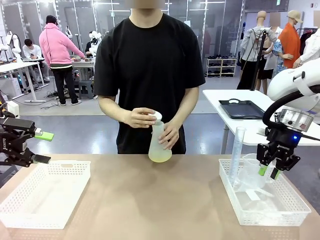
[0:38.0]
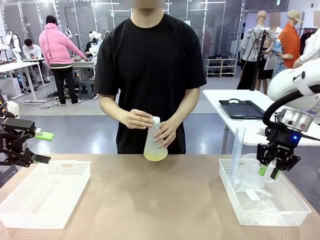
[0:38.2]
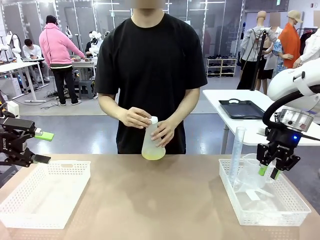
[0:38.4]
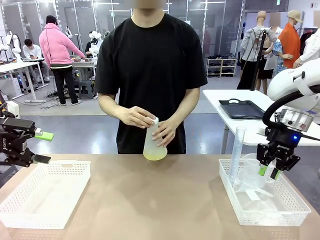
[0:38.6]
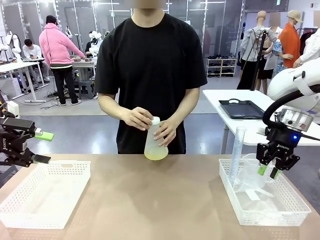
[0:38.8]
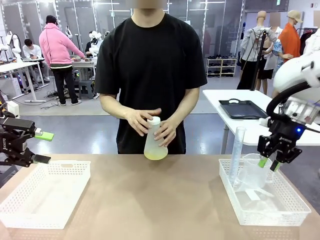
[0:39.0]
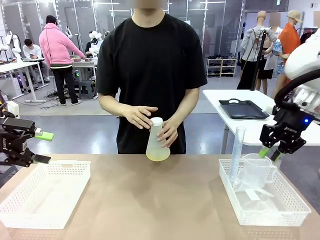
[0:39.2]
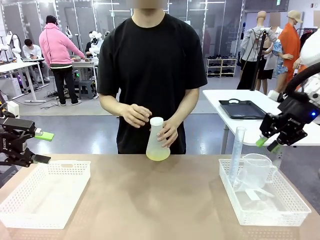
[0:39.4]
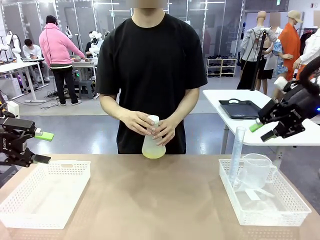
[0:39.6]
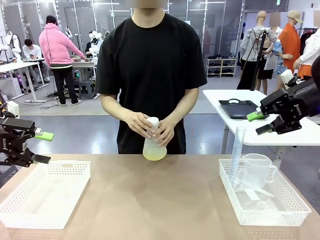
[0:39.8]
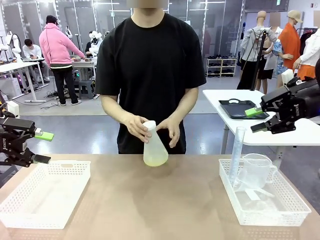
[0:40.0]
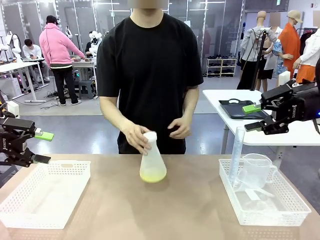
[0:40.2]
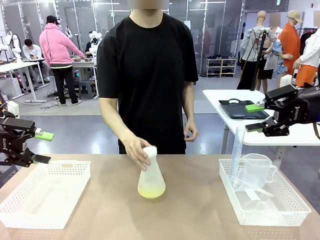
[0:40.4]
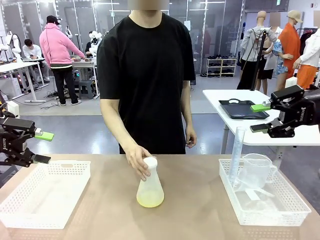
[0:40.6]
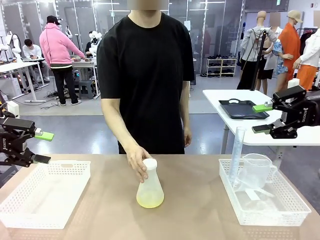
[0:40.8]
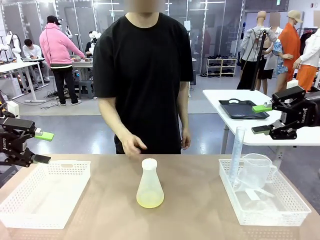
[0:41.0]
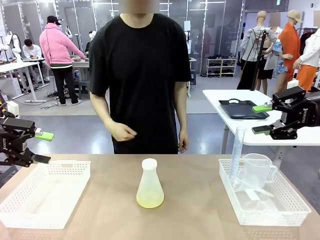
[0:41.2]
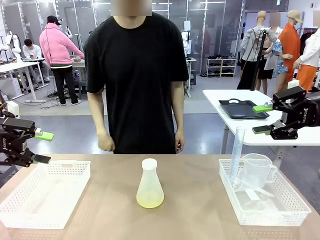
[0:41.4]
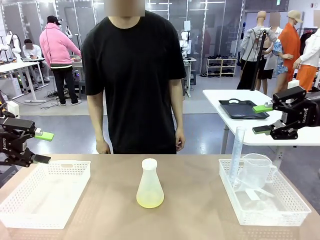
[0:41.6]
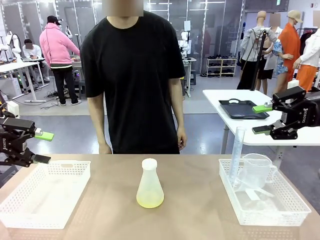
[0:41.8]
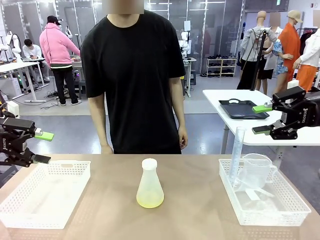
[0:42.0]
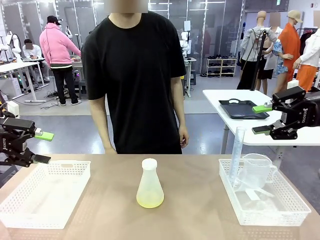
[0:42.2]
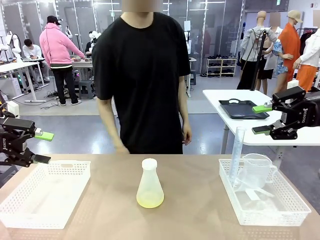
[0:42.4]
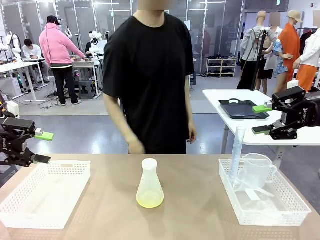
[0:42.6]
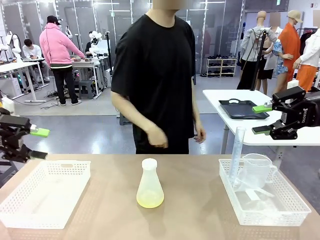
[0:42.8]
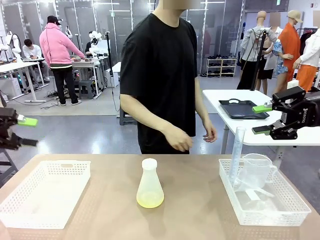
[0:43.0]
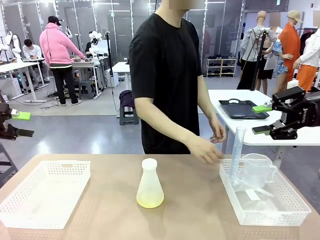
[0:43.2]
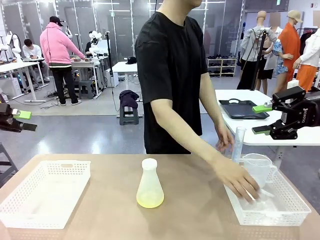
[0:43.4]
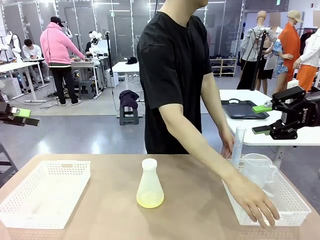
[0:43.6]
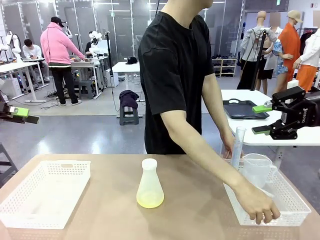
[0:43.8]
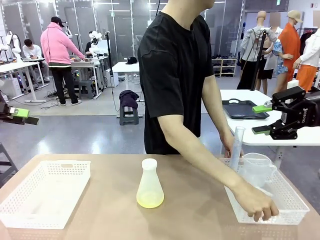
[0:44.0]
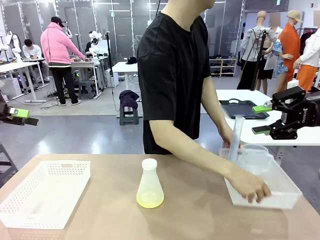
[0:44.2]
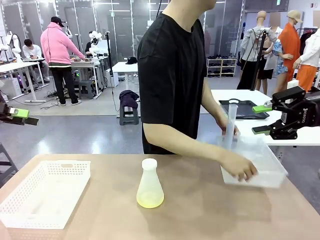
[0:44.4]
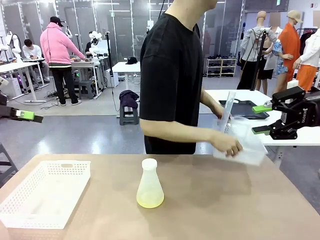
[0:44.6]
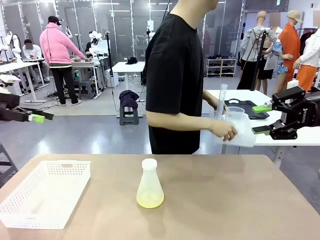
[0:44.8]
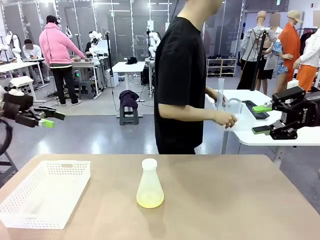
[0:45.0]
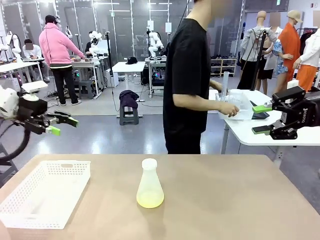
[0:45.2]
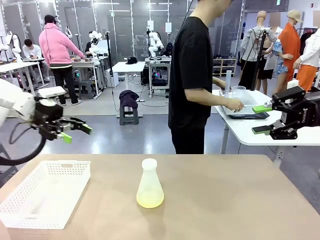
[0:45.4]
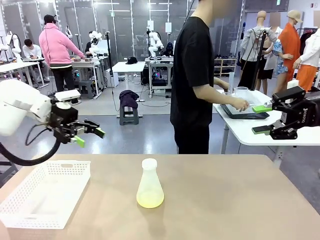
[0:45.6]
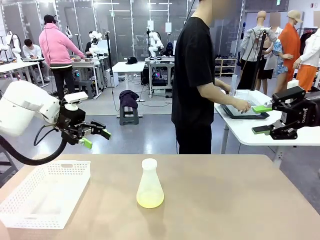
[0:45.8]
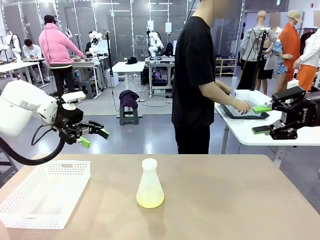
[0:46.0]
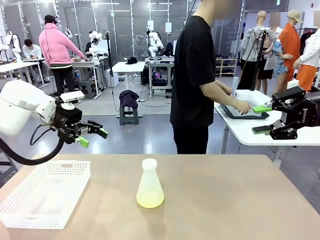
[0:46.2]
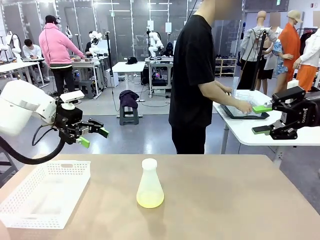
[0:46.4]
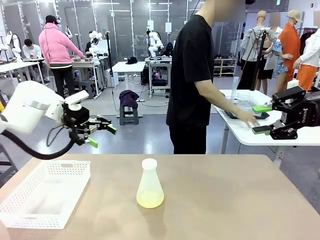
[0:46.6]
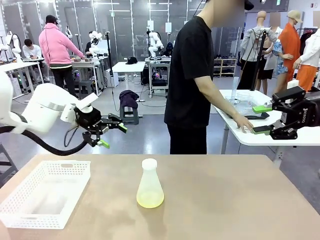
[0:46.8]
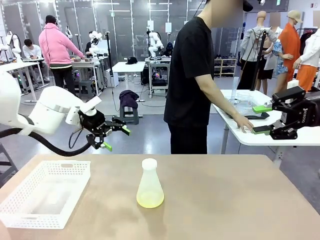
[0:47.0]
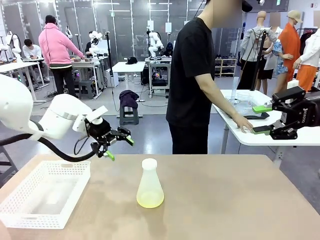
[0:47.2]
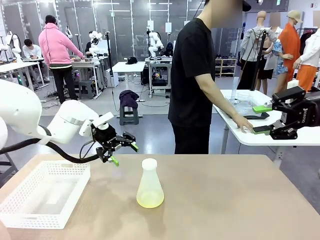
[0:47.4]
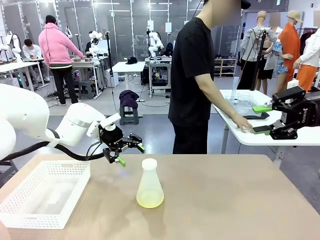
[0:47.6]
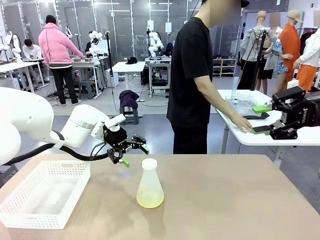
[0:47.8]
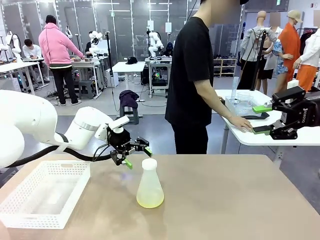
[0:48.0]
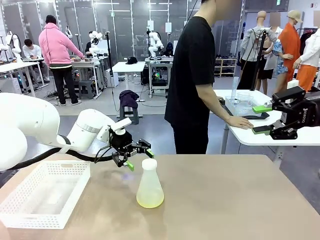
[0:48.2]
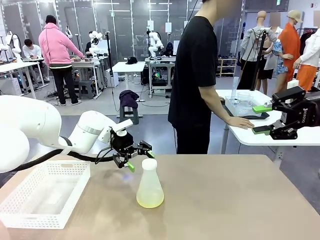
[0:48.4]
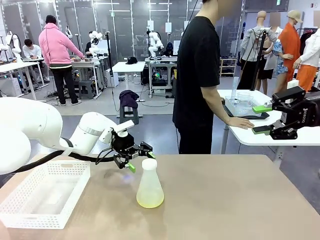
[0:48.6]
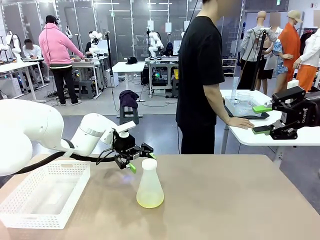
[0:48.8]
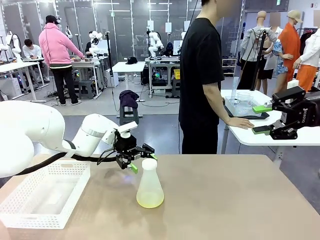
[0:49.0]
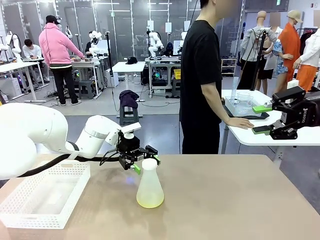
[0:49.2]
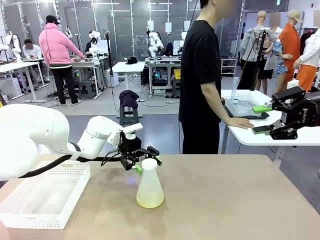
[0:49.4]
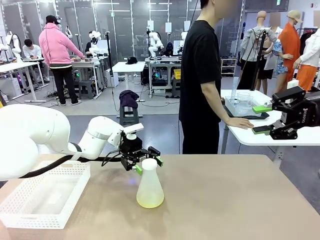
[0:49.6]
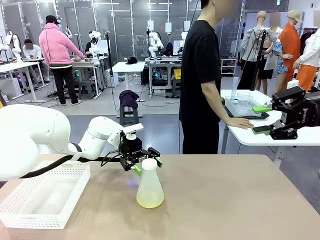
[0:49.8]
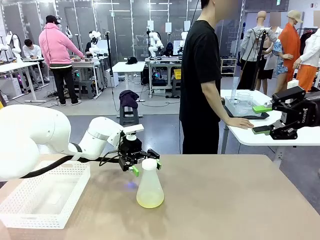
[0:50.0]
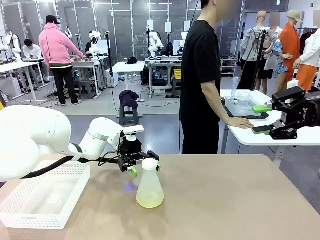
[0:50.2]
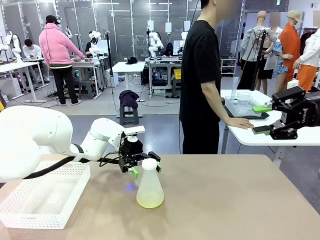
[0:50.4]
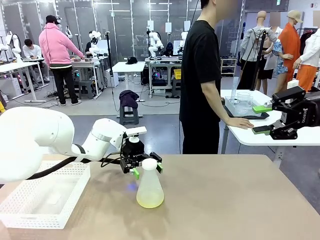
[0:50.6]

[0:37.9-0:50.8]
Task: Prepare the solutions needed for the experiment.
Robot: When the human places the Big flask in the center of the table, pick up the Big flask and place it in the left Organizing basket.

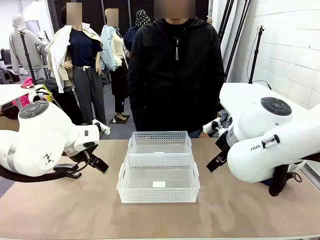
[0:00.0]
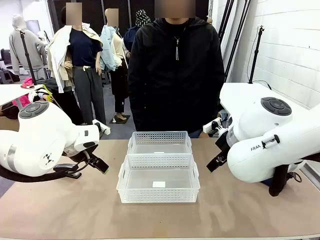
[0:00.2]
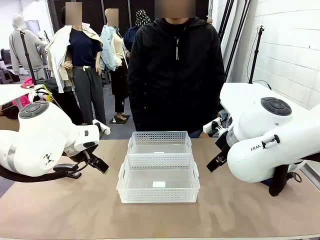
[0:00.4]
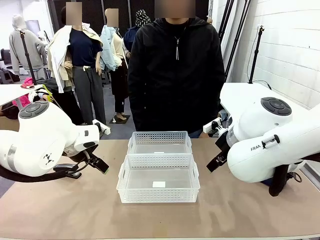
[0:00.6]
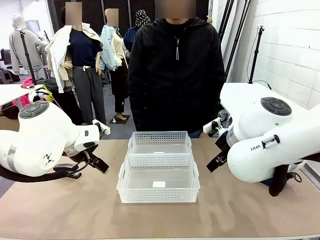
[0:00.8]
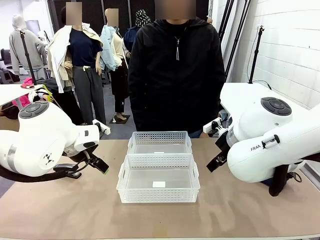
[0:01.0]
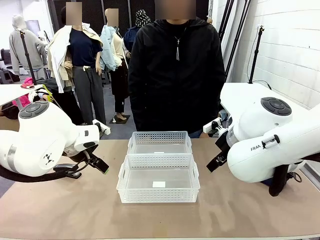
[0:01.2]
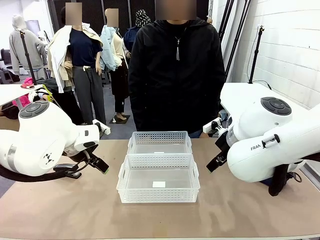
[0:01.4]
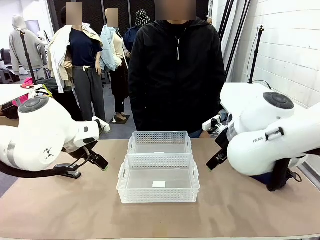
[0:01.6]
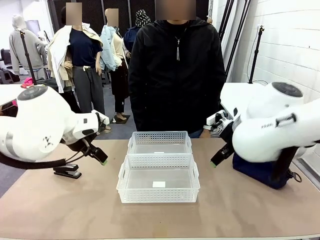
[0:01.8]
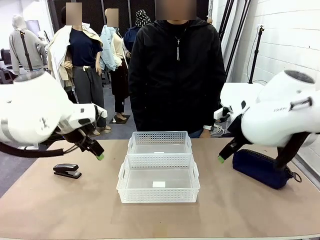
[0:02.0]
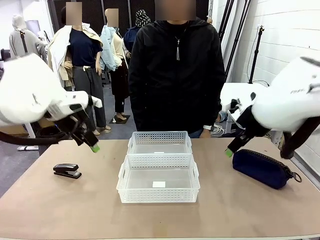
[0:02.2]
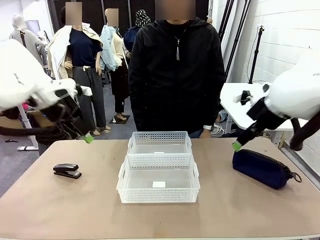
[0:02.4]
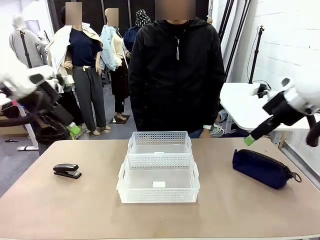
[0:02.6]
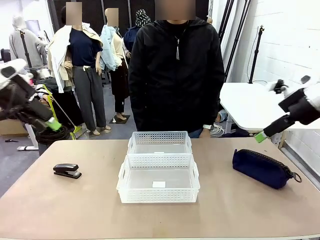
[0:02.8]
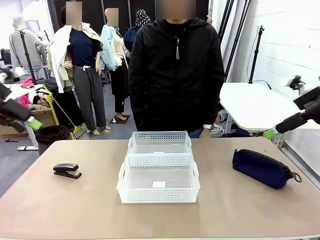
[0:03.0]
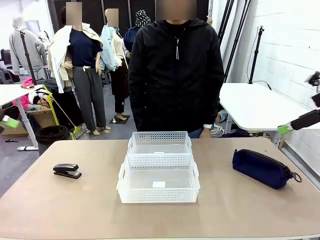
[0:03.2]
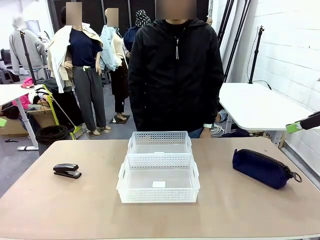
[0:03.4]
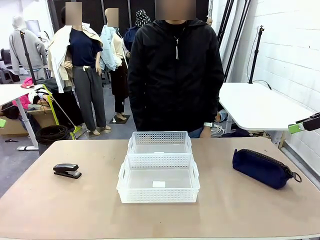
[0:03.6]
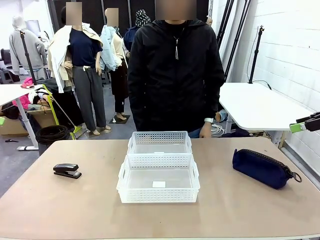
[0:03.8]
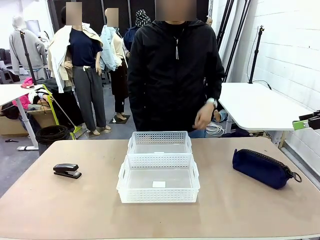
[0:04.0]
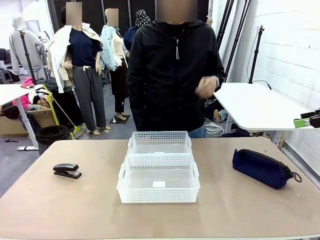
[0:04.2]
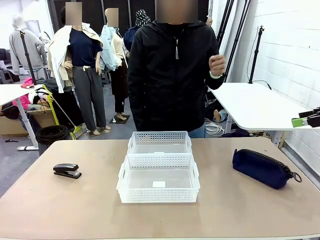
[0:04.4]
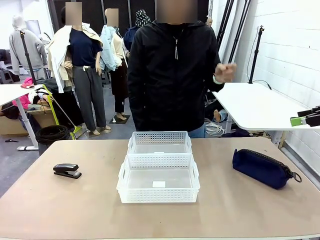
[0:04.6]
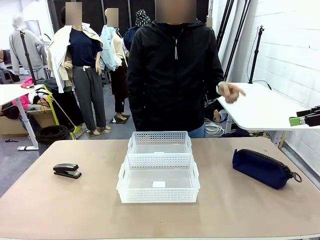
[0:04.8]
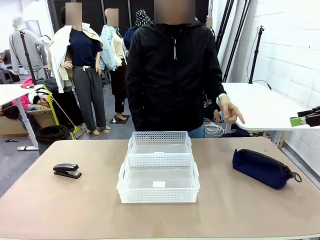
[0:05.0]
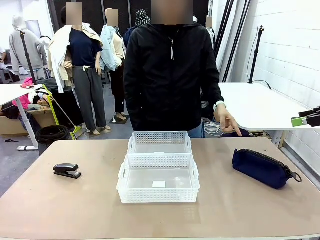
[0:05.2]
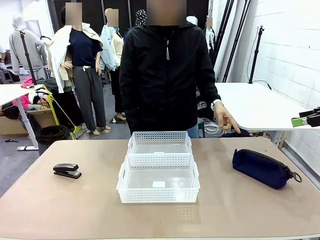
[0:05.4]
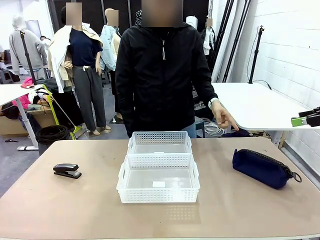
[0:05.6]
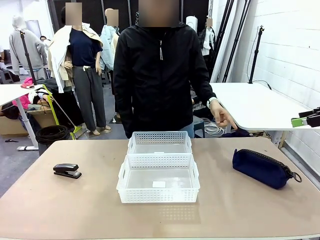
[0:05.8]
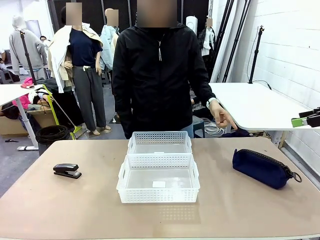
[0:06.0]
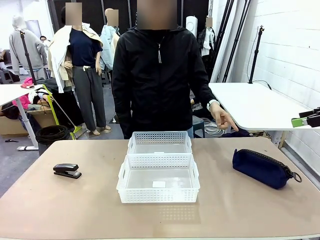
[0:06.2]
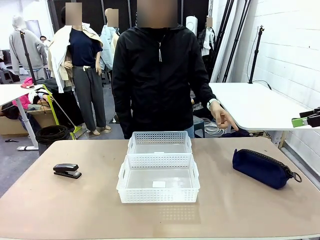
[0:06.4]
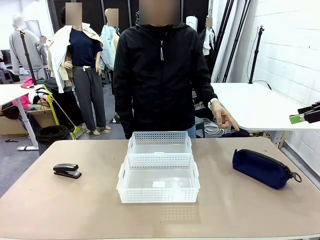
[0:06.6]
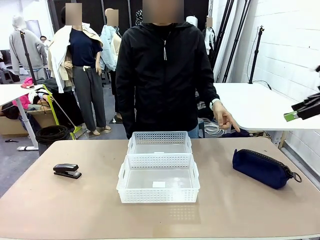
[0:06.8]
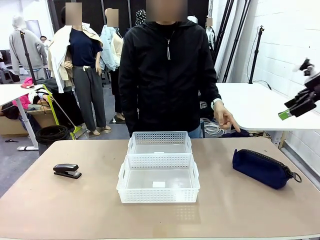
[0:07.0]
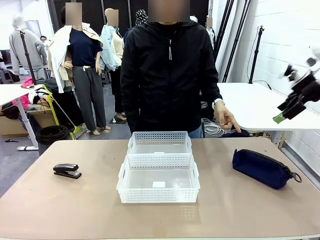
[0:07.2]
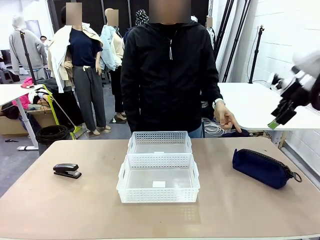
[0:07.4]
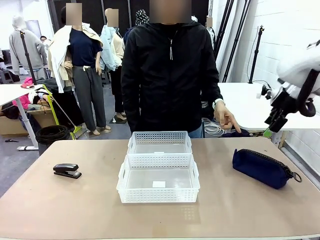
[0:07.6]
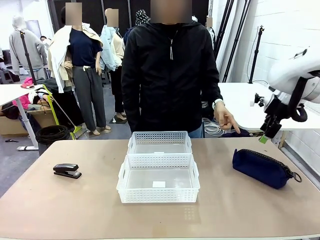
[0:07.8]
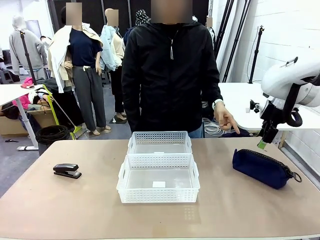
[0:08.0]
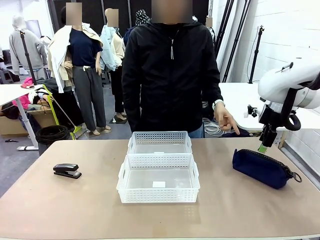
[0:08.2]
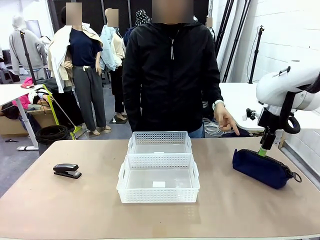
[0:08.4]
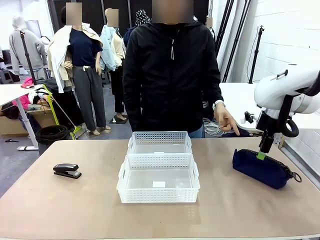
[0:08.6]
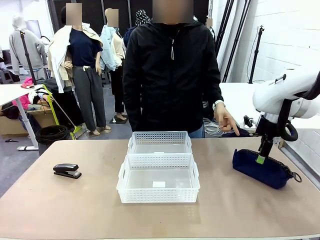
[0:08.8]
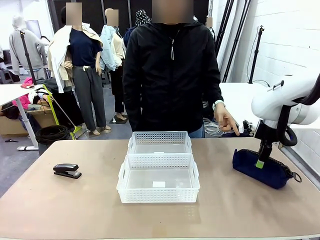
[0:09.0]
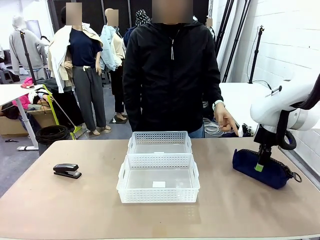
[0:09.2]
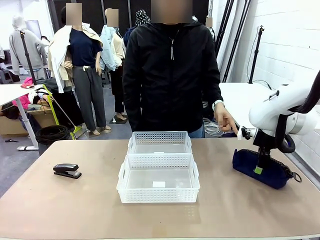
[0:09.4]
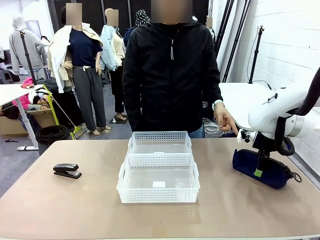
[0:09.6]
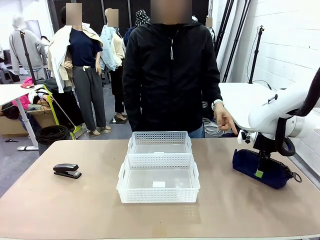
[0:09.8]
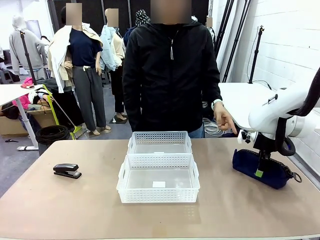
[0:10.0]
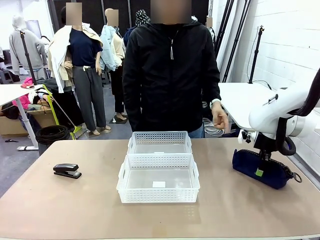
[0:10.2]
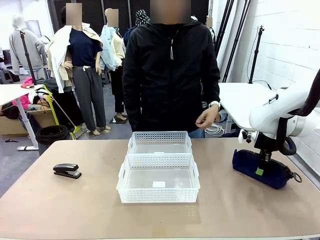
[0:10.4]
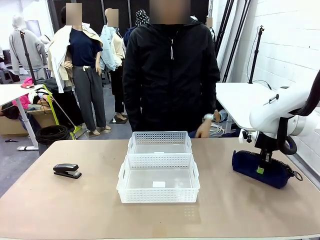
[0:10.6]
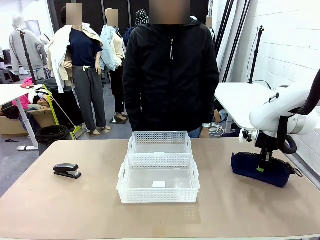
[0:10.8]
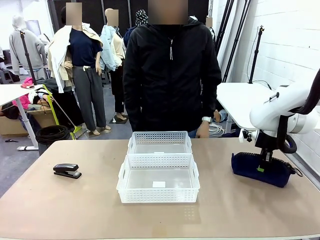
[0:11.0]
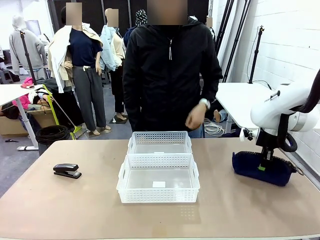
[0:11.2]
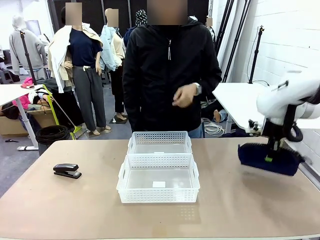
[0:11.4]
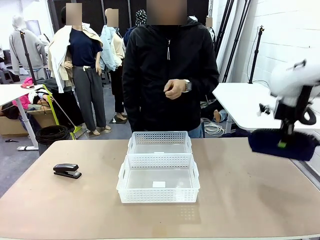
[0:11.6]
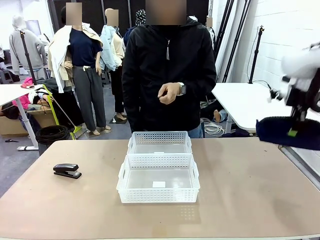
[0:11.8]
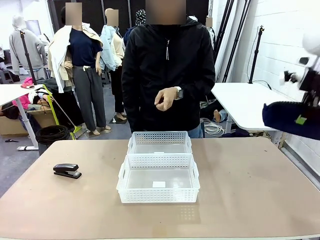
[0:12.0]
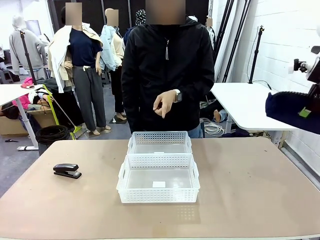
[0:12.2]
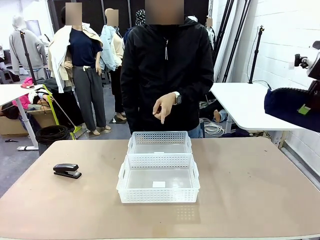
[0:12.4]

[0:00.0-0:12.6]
Task: Distribute items into two baskets.
Robot: Pick up the Pencil pouch that the person points to.
Person: Points to the pencil case. Points between the two organizing baskets and instructs the robot to move the pencil case.
